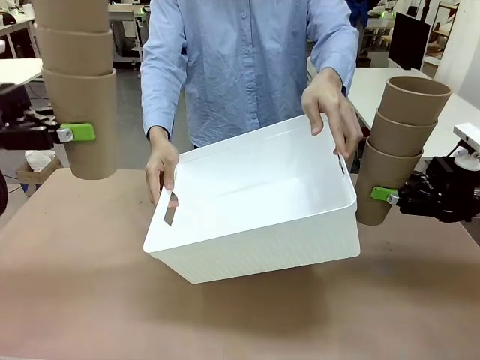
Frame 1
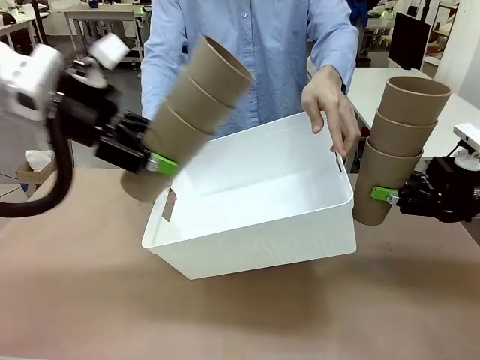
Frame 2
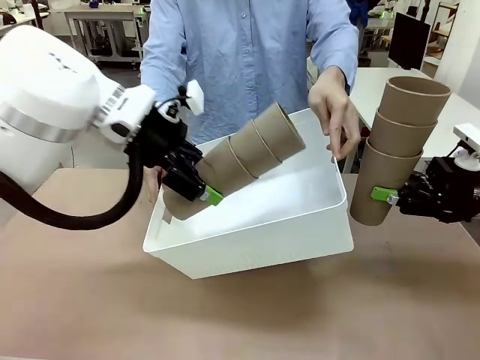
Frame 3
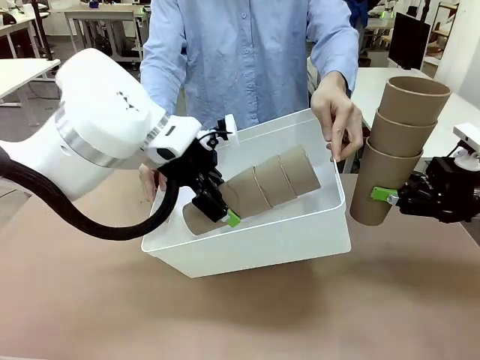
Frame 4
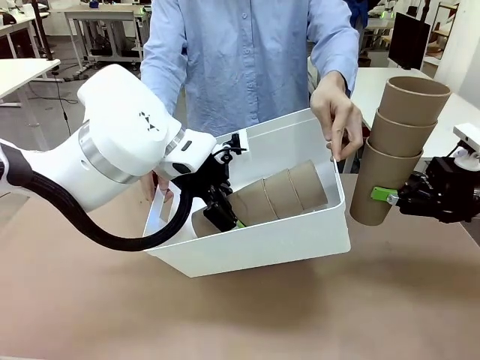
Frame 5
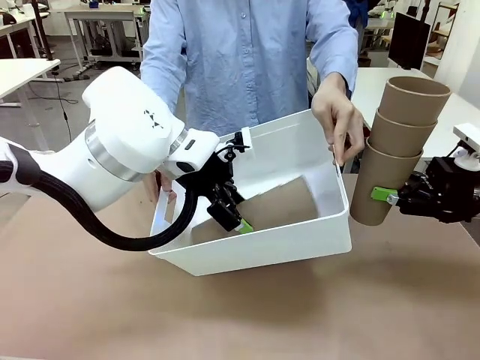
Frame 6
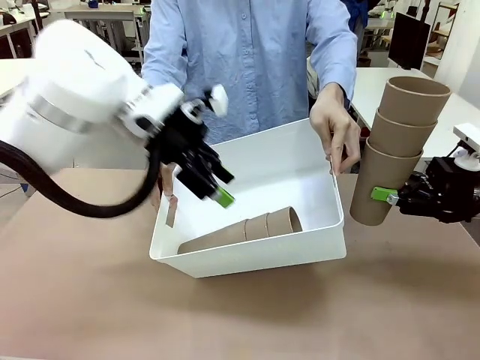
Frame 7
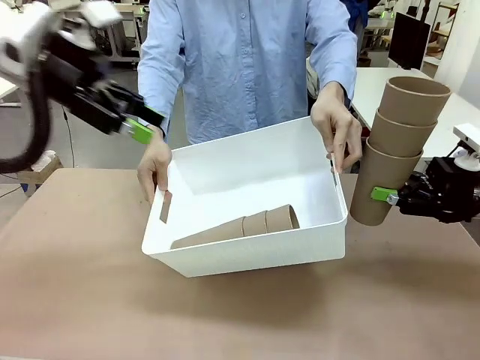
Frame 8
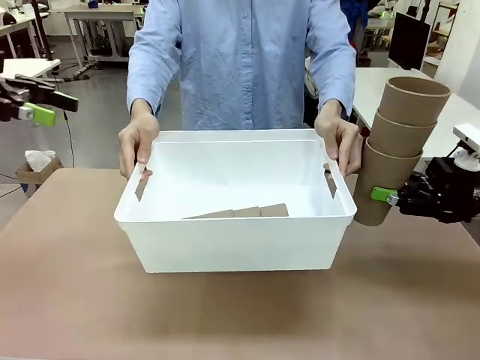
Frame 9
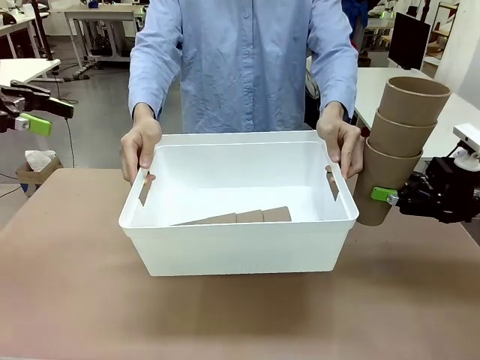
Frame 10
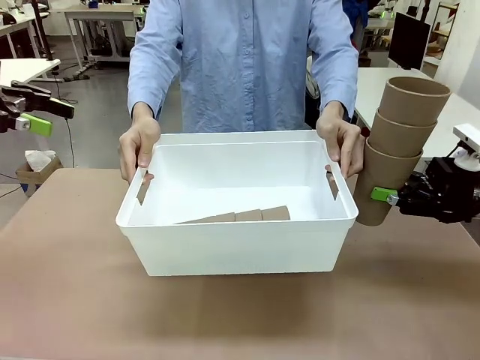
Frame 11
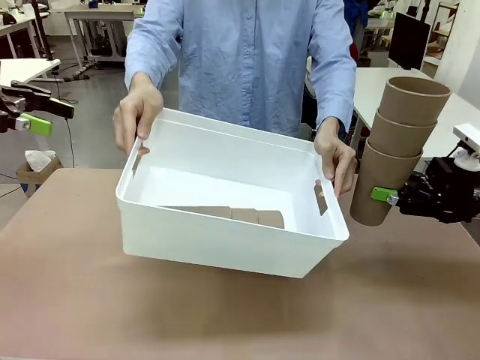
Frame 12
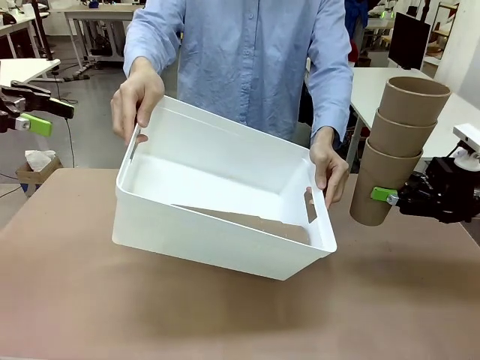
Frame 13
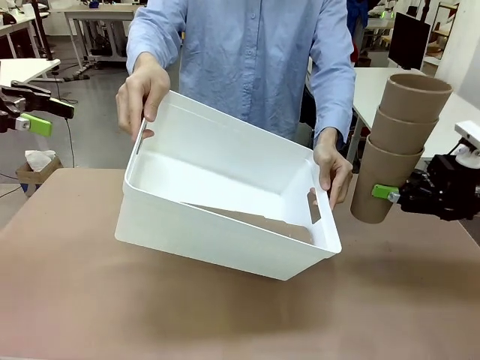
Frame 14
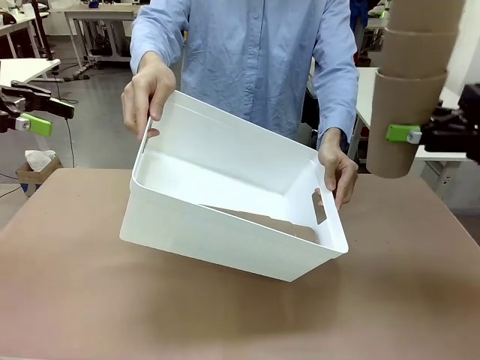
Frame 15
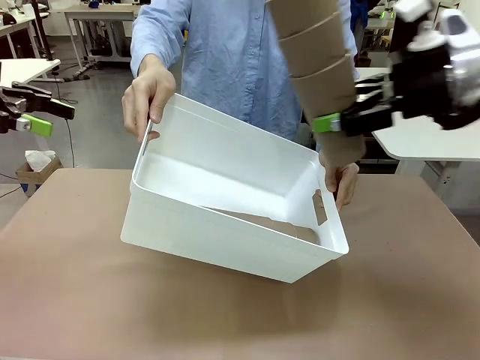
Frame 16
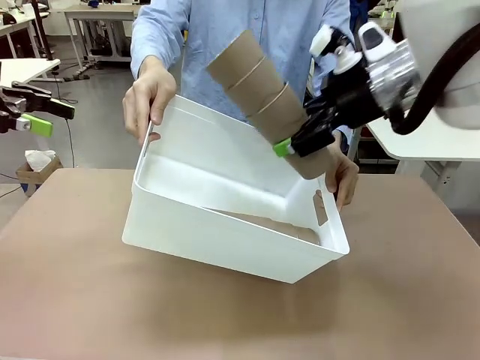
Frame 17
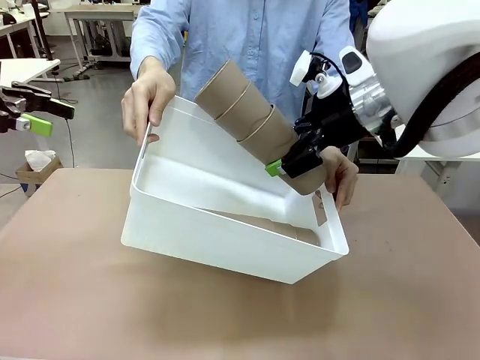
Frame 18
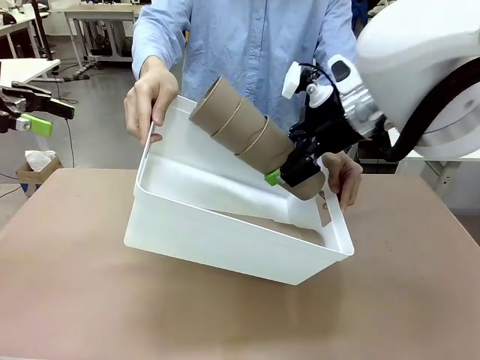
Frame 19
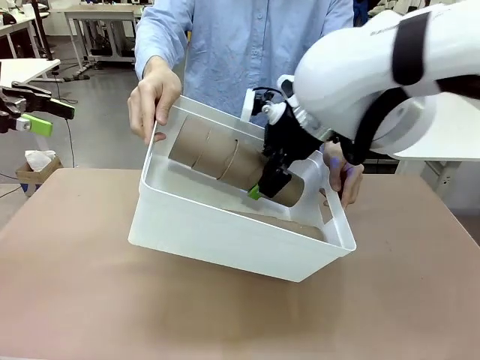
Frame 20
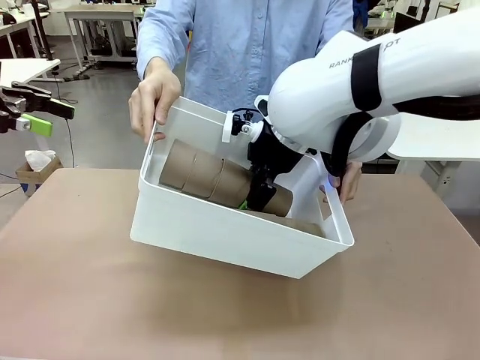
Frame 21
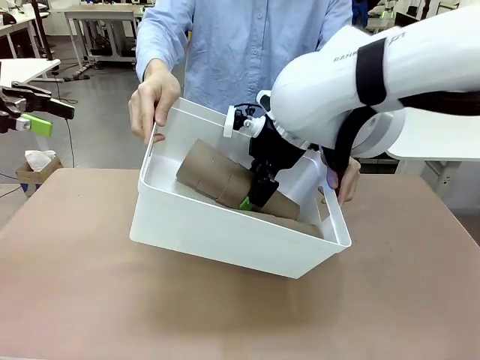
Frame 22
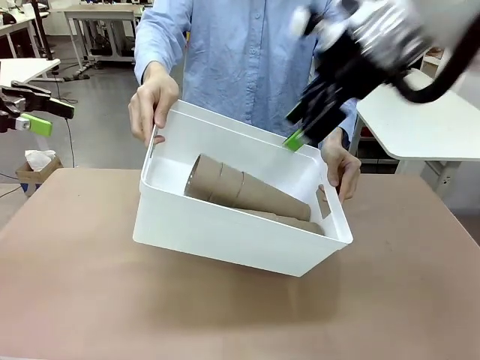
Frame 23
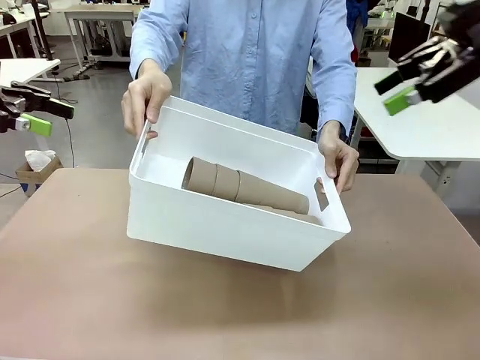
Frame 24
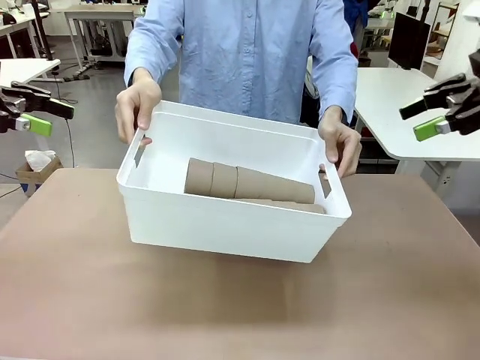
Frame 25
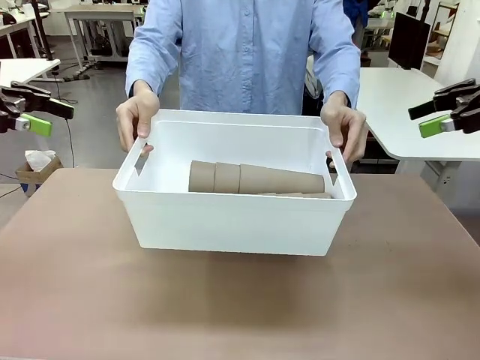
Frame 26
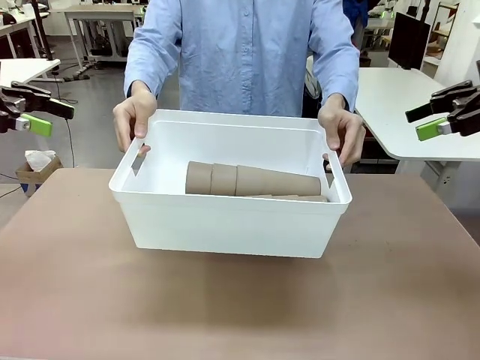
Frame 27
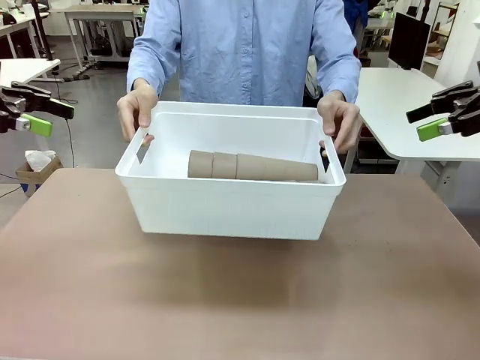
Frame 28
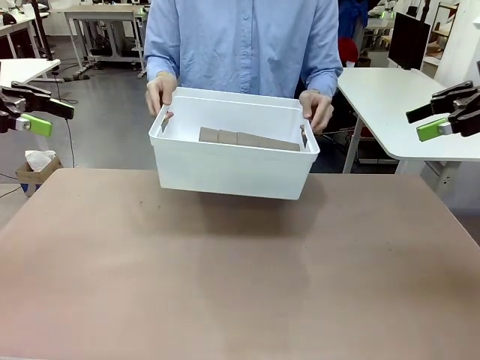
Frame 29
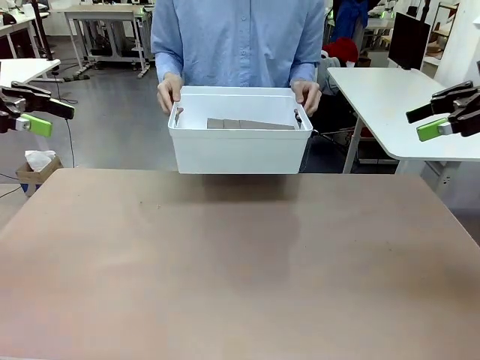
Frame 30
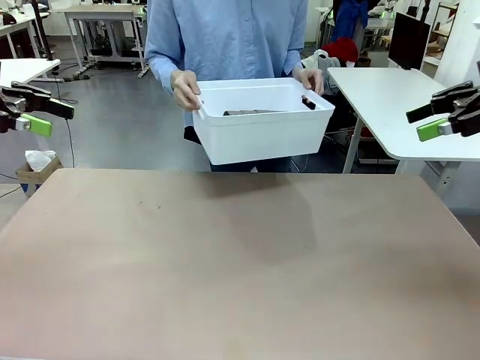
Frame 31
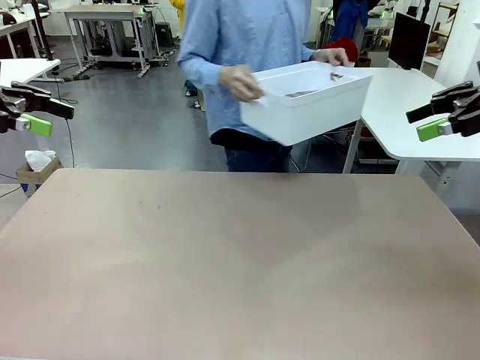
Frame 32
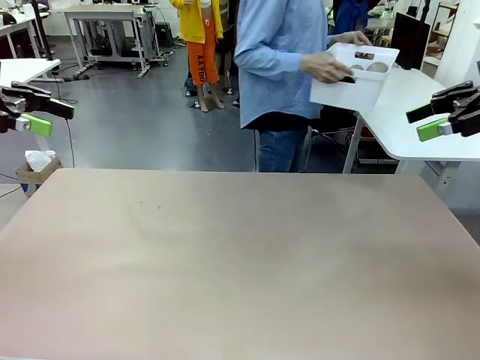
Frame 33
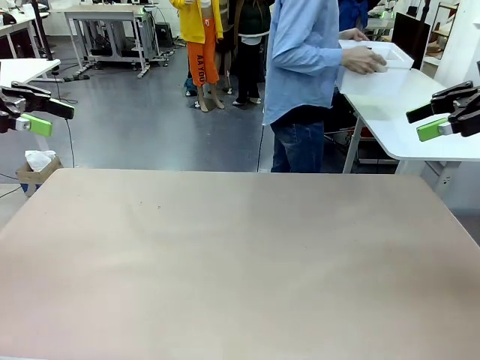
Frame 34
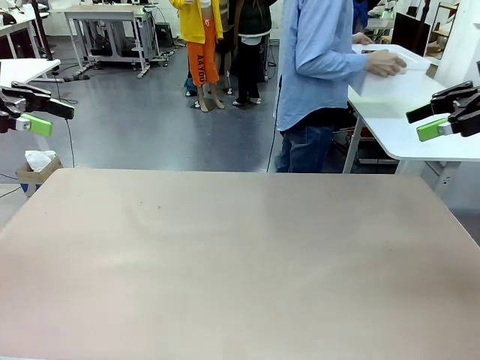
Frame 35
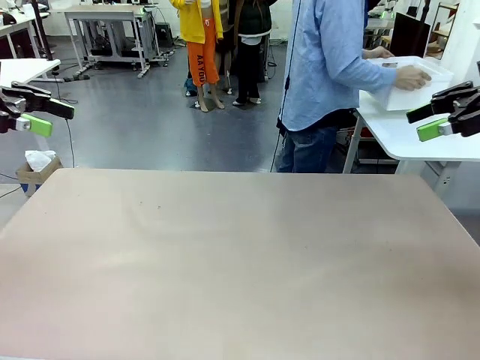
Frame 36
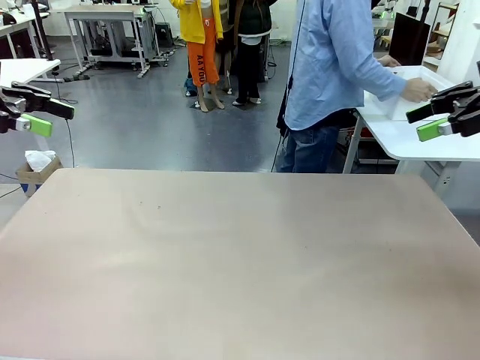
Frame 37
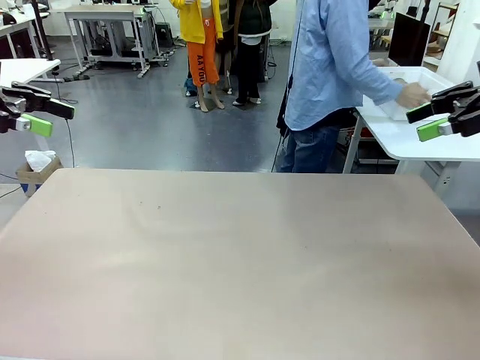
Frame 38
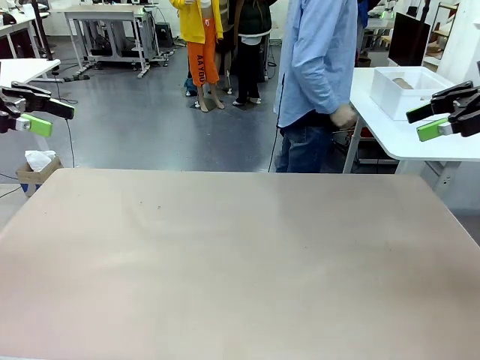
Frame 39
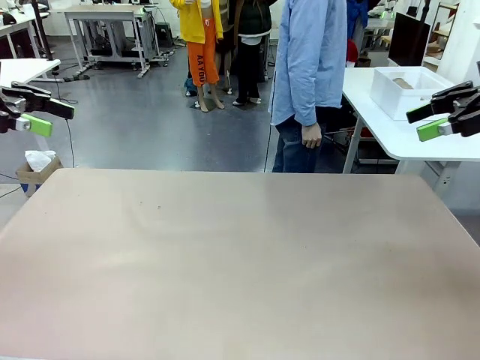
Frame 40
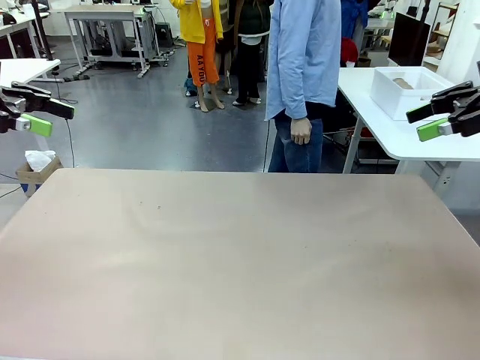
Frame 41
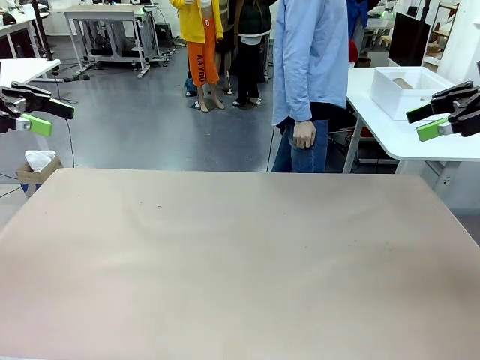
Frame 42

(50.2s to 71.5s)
Task: Stack the cups and store them in the basket.
Robot: Place the stack of Reusable plastic cups into the Pantry Basket.
Person: Place the basket containing the cups in the middle of the Human Table.
